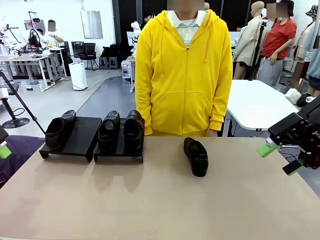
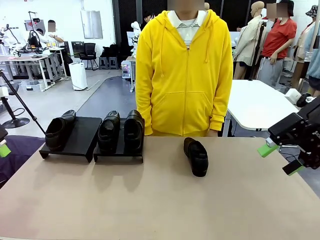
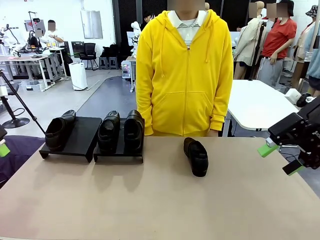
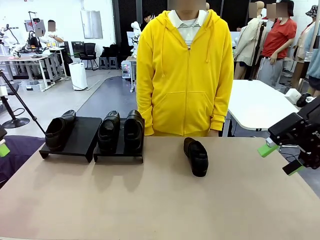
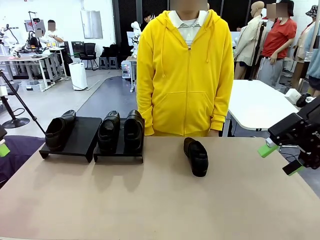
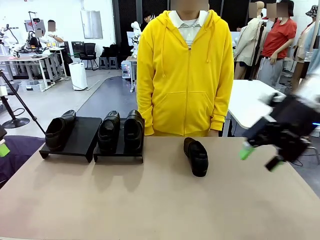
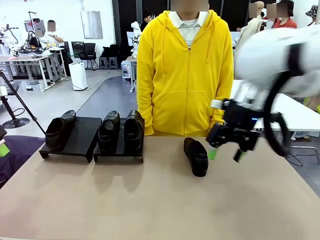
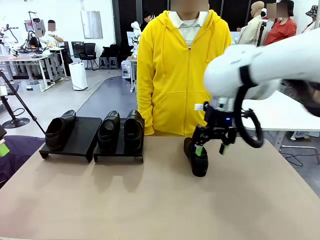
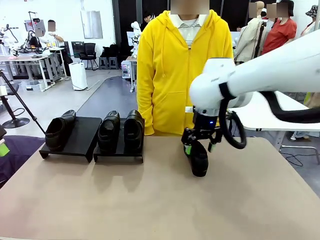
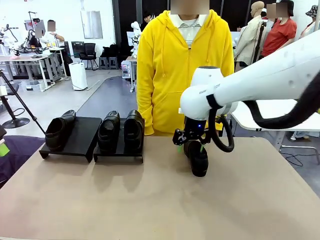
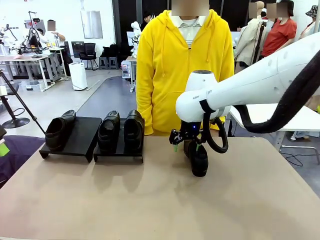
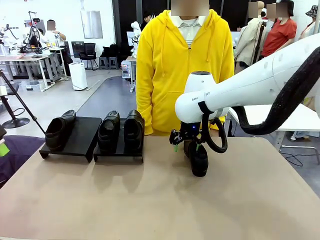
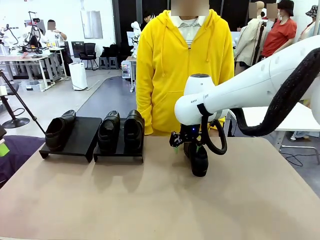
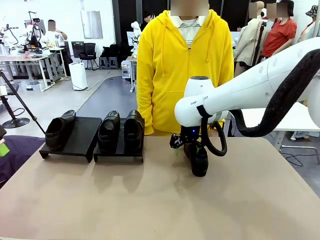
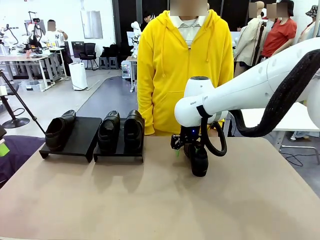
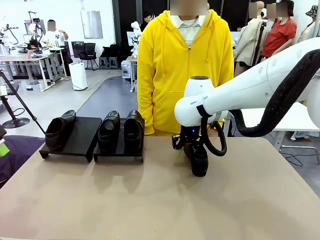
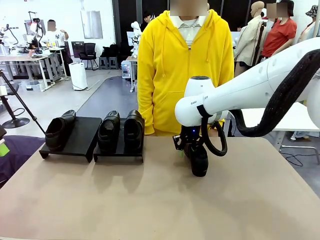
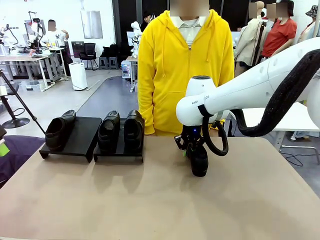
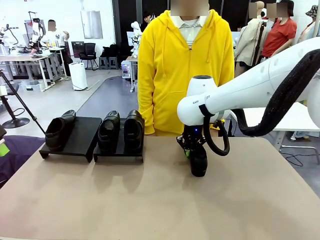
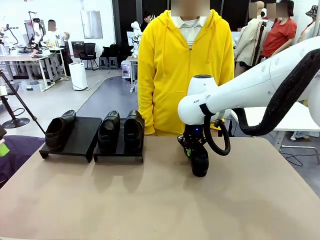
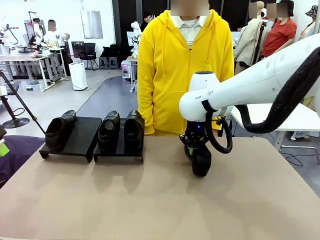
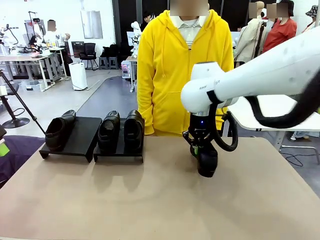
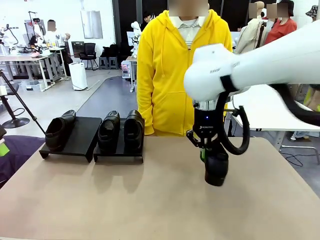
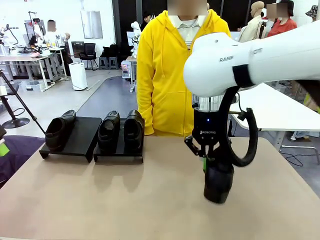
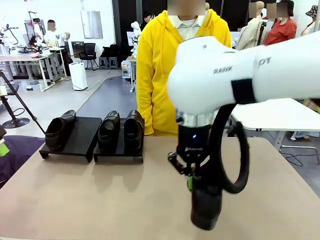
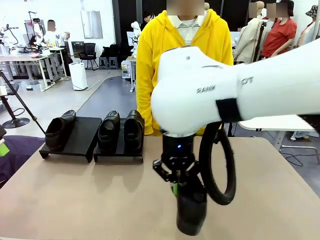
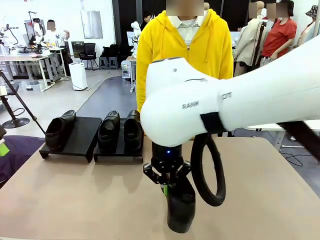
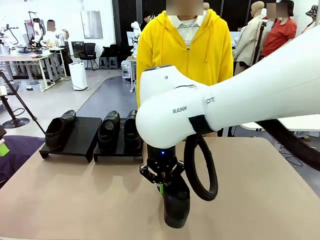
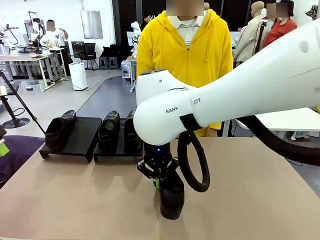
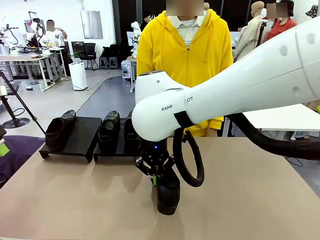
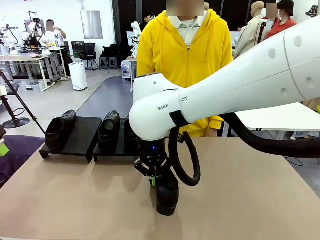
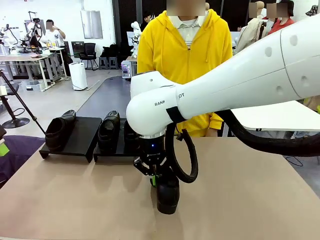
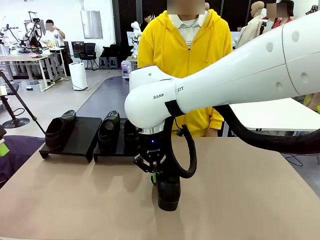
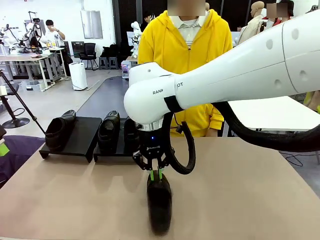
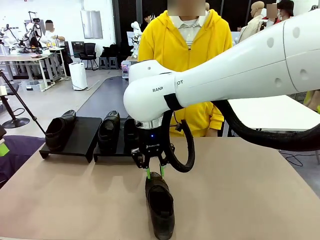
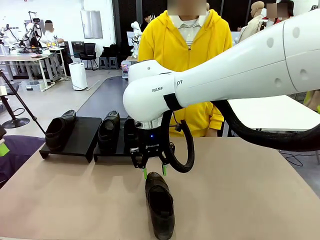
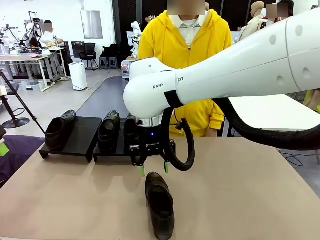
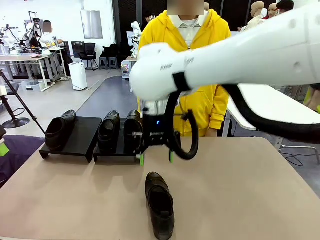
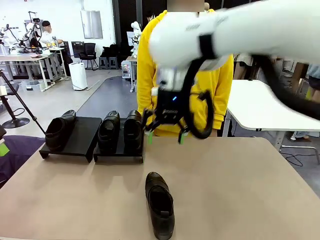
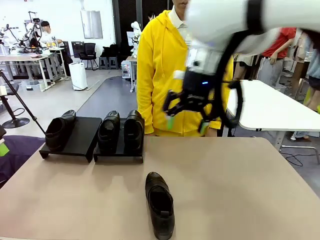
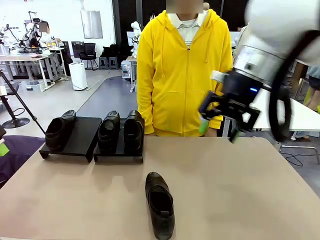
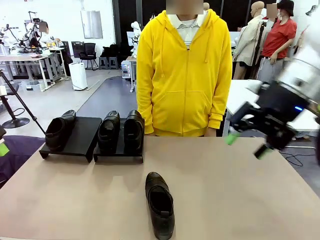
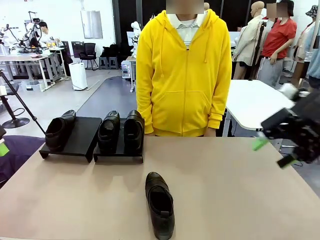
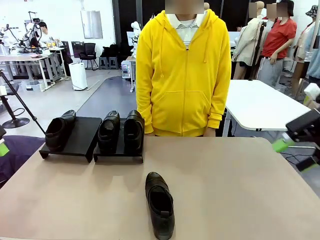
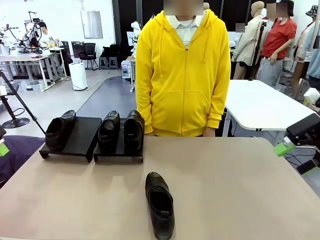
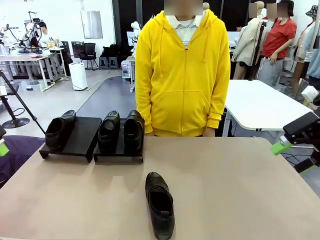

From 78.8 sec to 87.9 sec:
Task: Organize the shoes by placing them on the stand.
Robot: Pick up one Shoe and place it in the middle of the table.

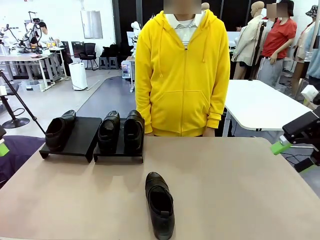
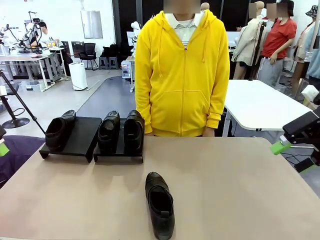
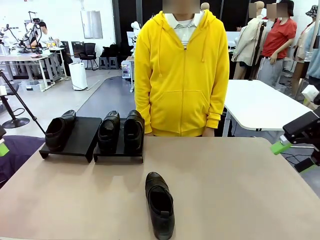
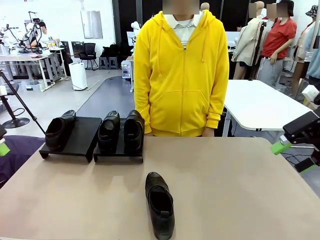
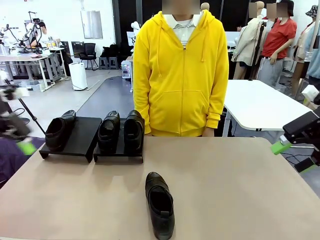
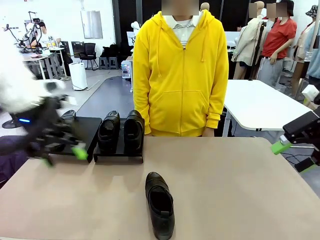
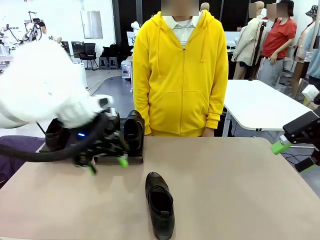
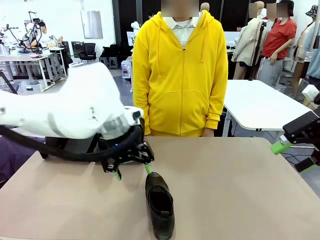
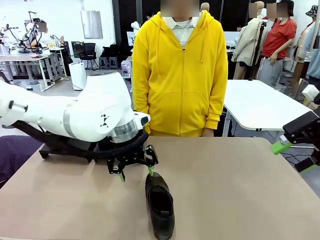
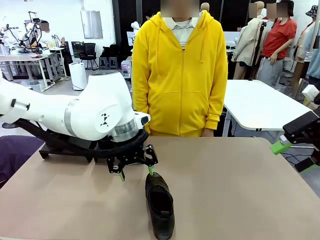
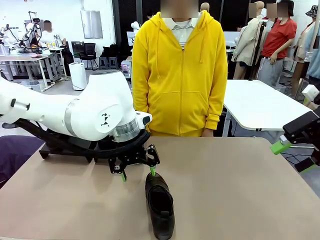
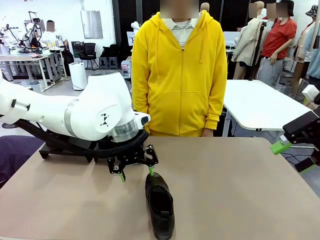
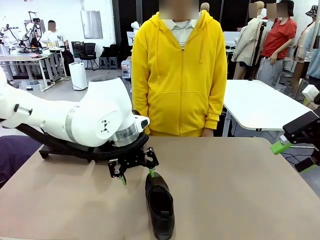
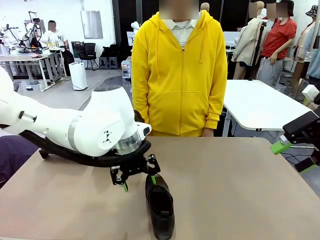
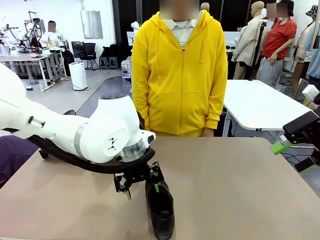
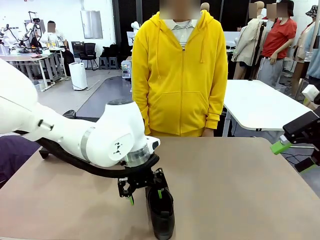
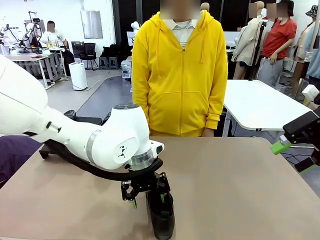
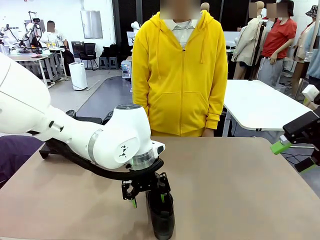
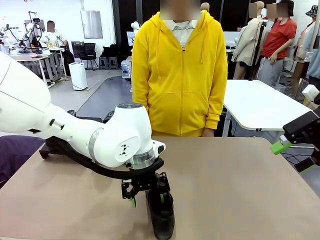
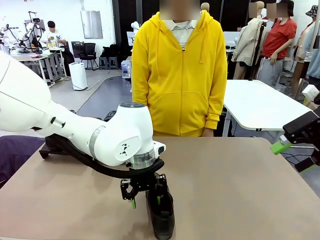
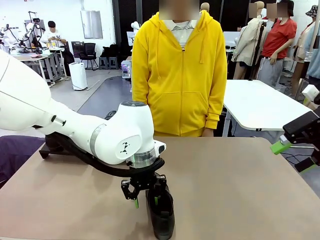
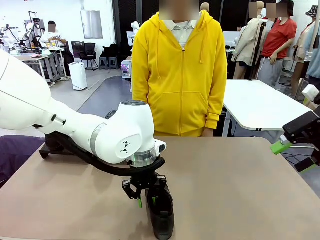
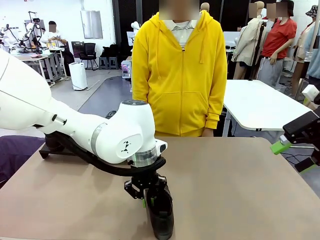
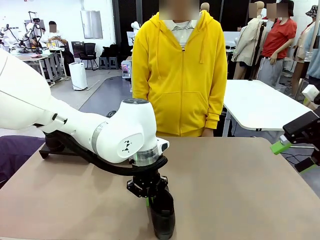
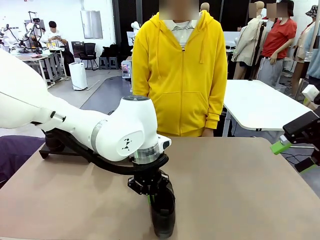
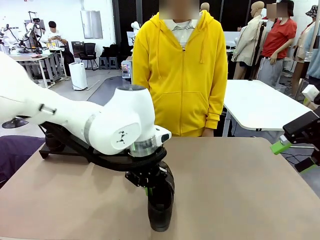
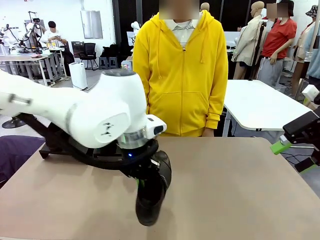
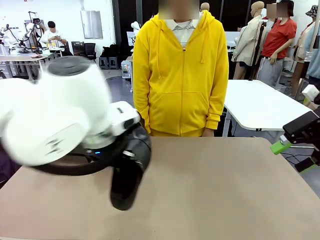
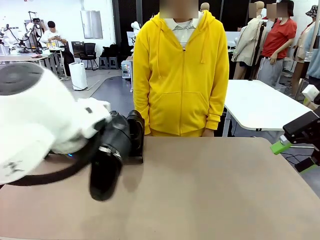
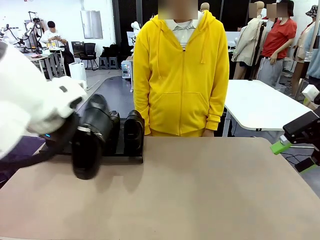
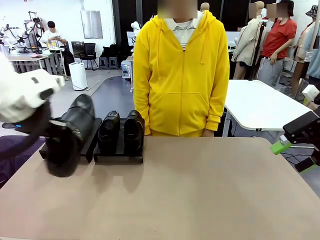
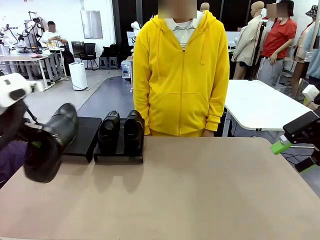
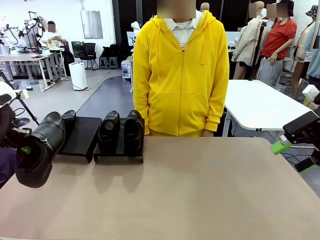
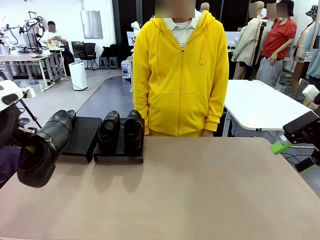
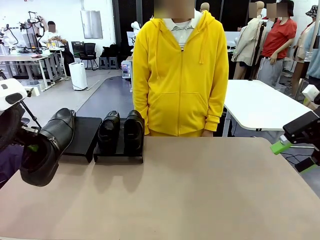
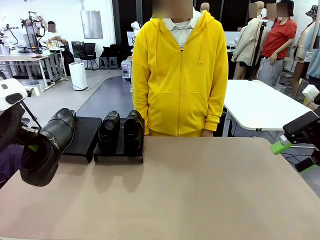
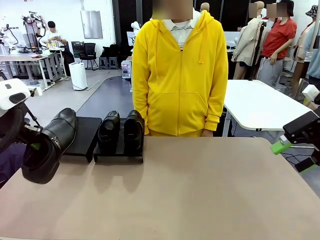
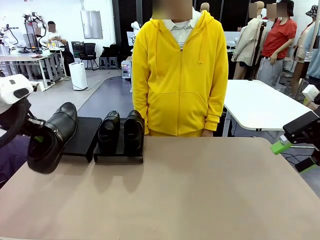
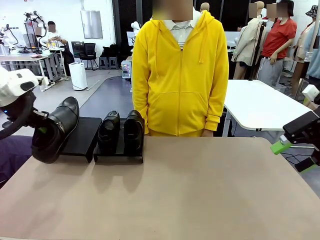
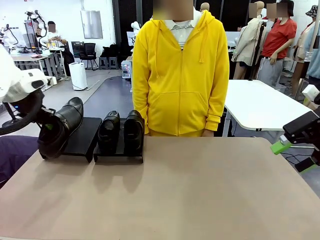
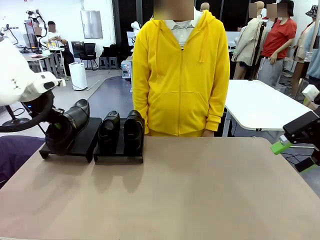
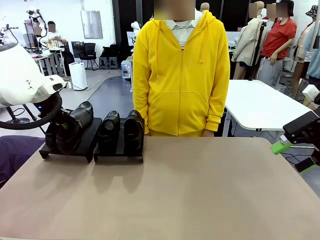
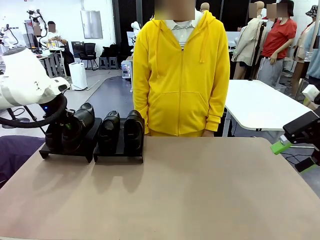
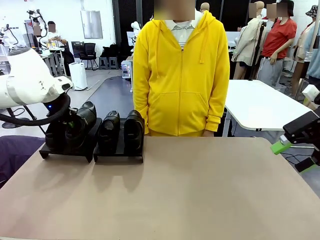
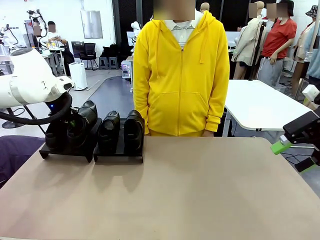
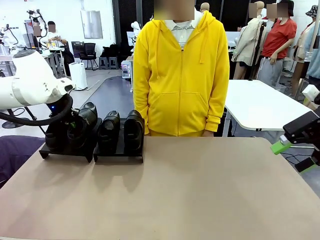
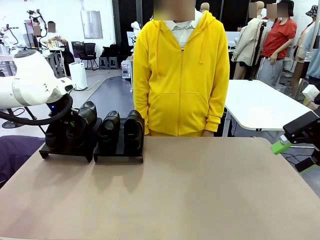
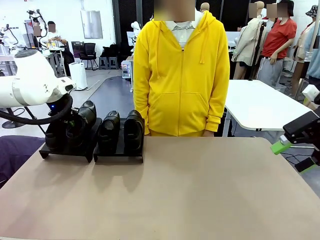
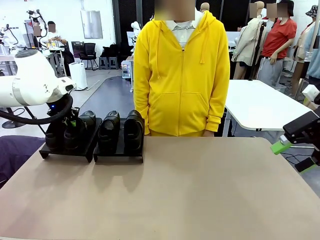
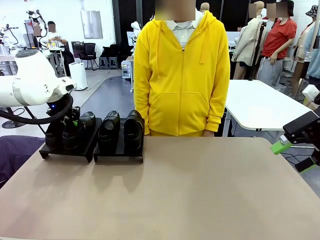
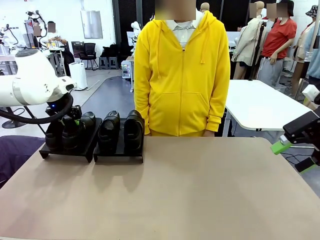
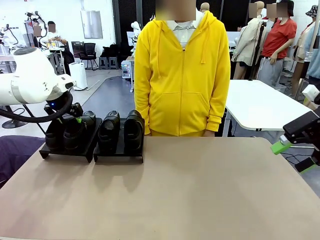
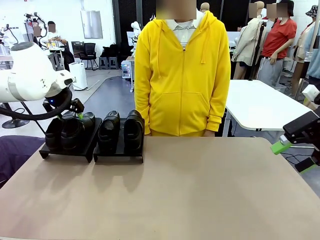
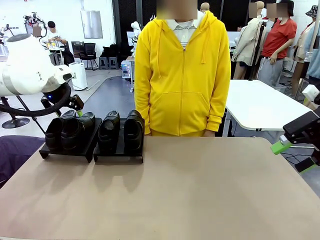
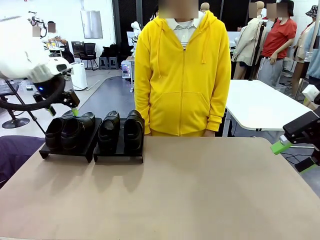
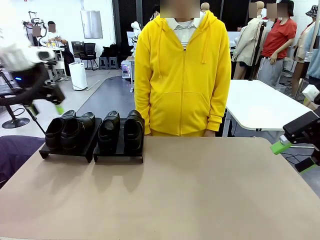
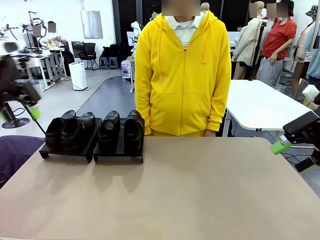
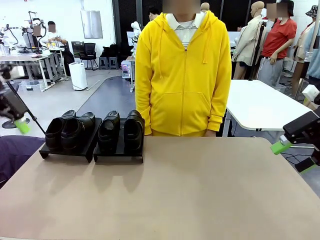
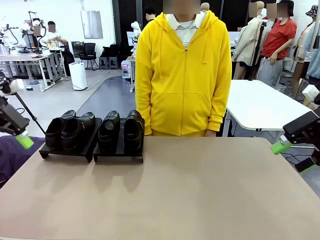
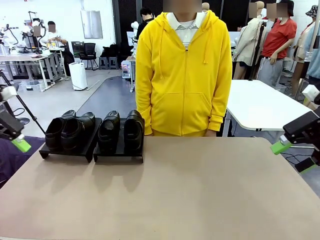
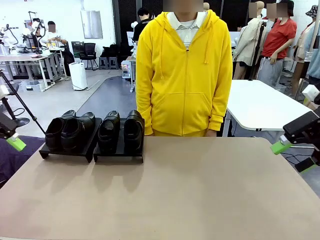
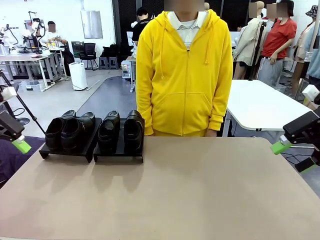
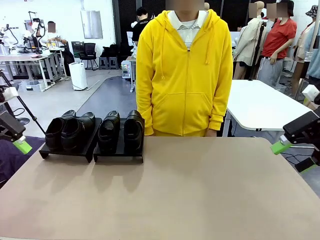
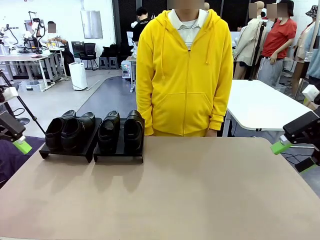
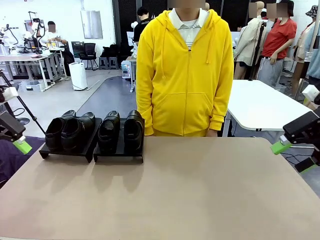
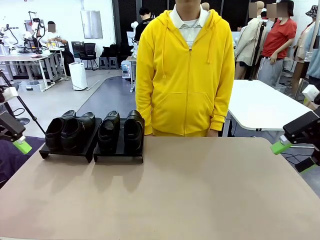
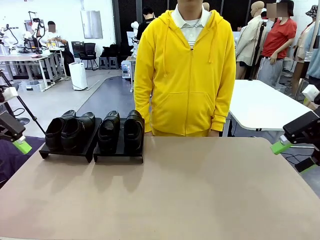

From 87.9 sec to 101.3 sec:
Robot: Place the Shoe from the middle of the table onto the Shoes Stand.
